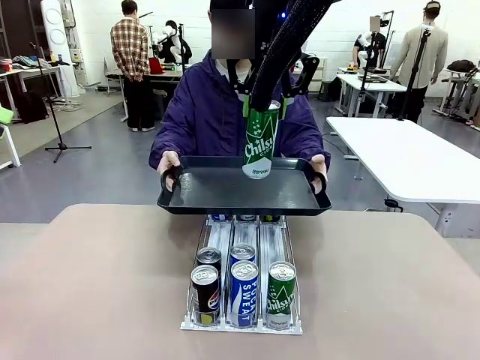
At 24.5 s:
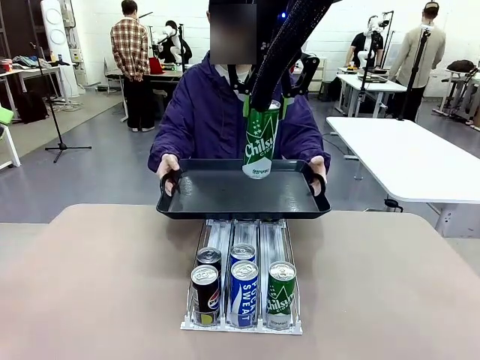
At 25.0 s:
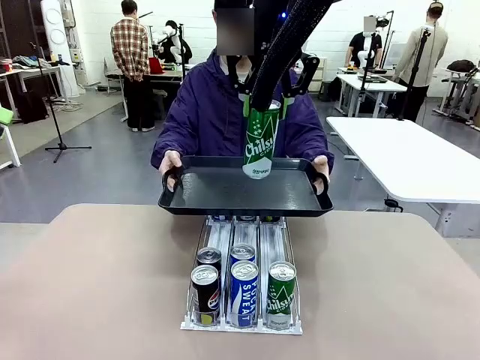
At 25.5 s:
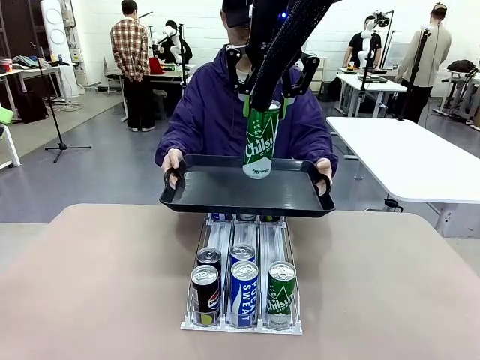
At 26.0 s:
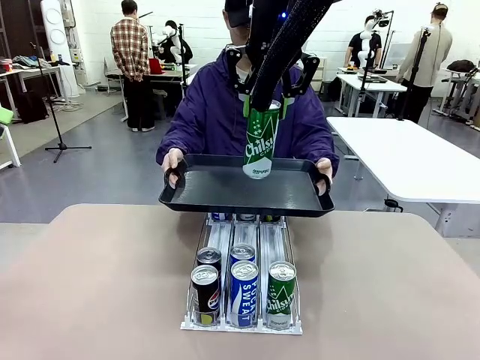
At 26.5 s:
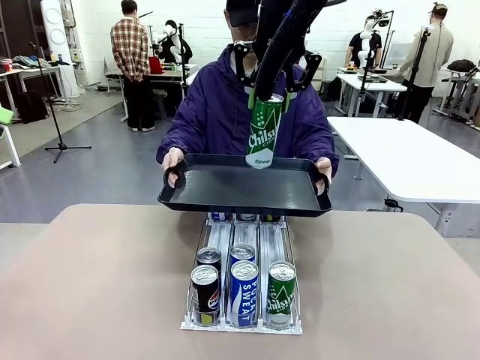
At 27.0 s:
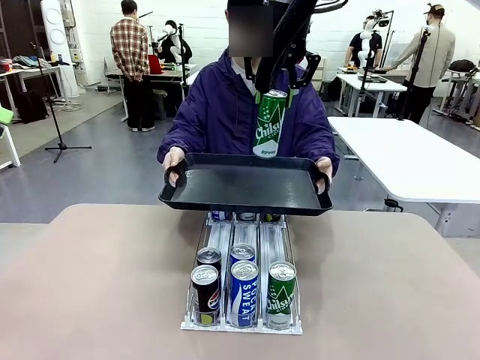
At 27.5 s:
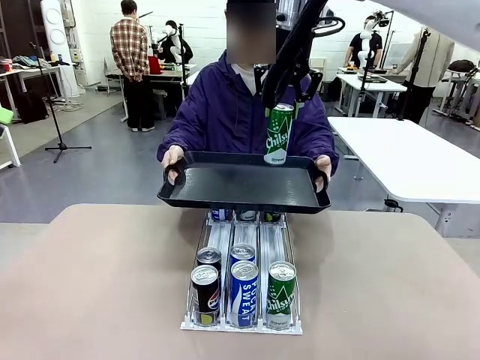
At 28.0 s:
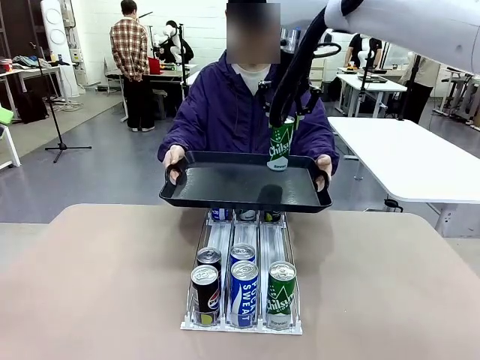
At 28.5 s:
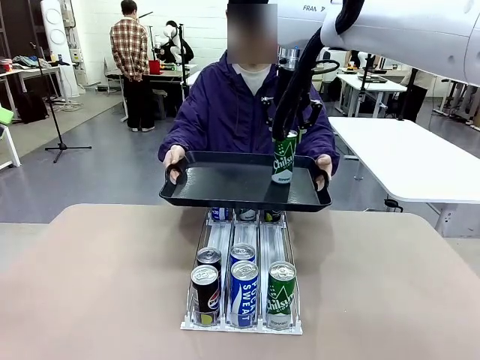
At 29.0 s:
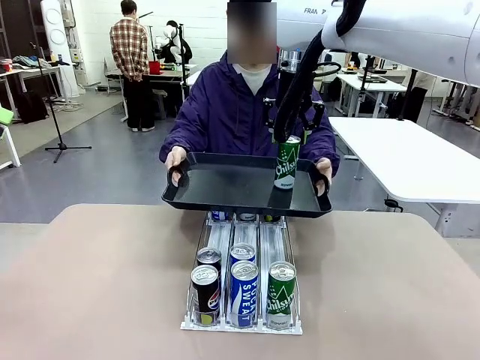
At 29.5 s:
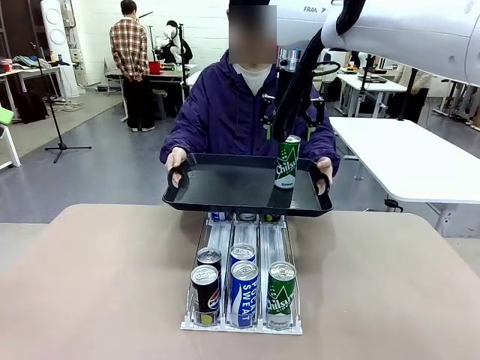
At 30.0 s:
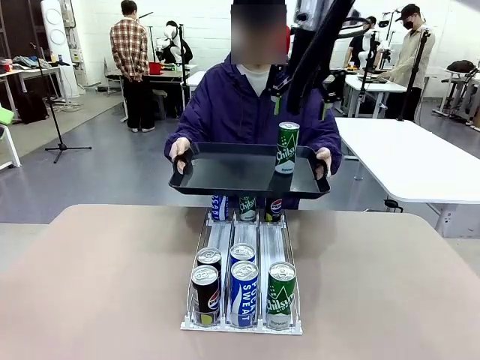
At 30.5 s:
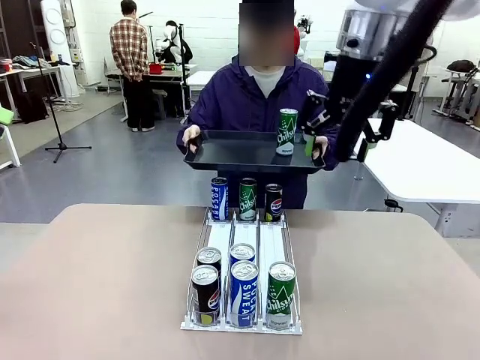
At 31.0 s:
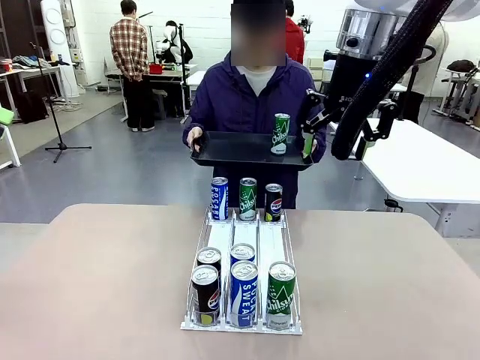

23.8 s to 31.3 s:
Task: Retrieve and hand over the desired beverage to the person.
Robot: Place the picked can on the Handle tray extended by the person.
Person: Pull the tray back, then pick up another can from the bottom area of the table and puts it back in its original place.

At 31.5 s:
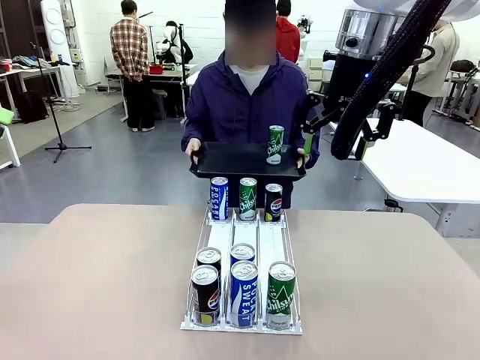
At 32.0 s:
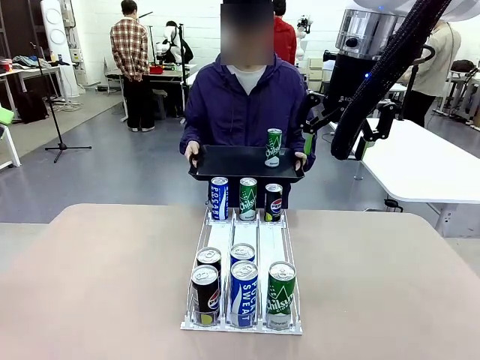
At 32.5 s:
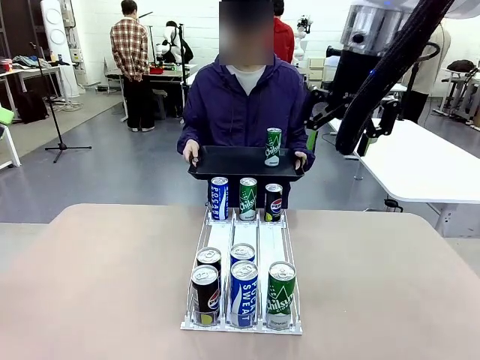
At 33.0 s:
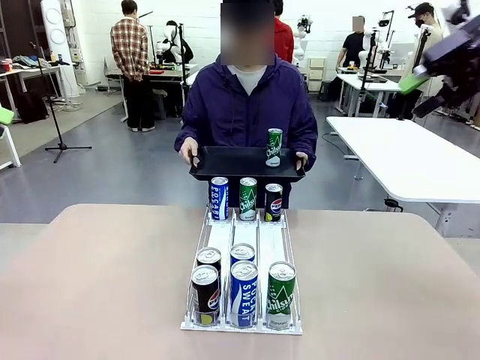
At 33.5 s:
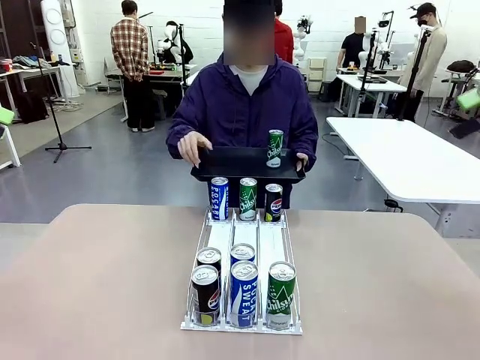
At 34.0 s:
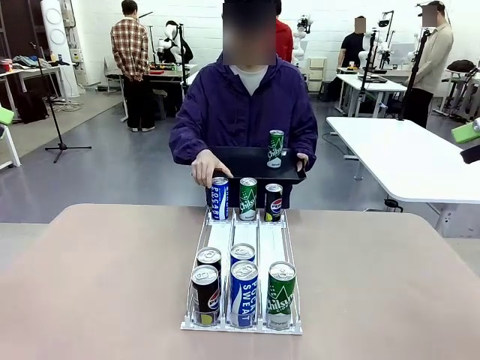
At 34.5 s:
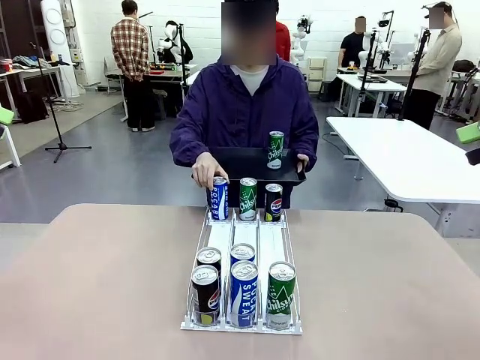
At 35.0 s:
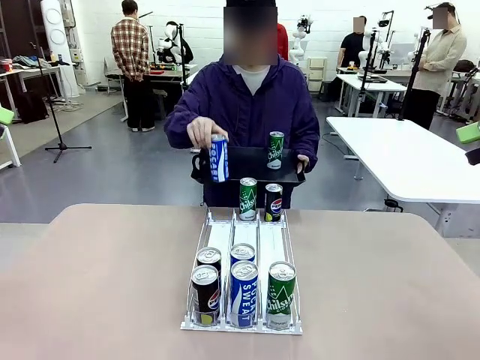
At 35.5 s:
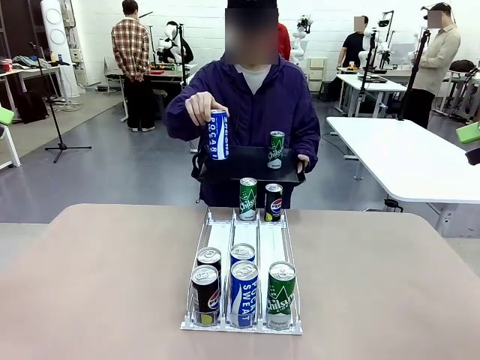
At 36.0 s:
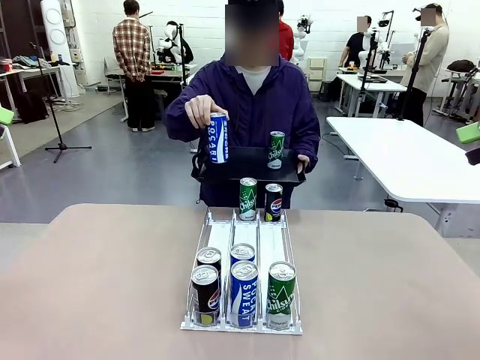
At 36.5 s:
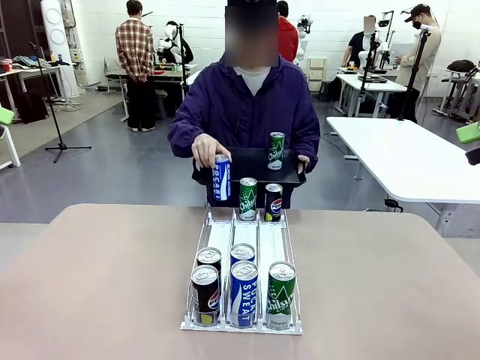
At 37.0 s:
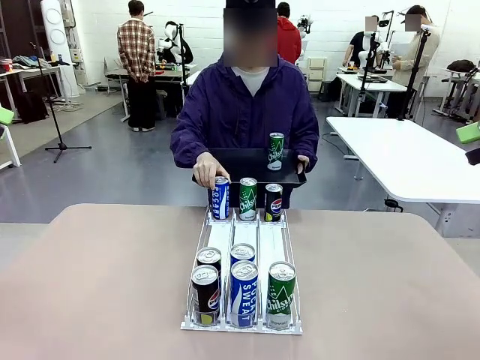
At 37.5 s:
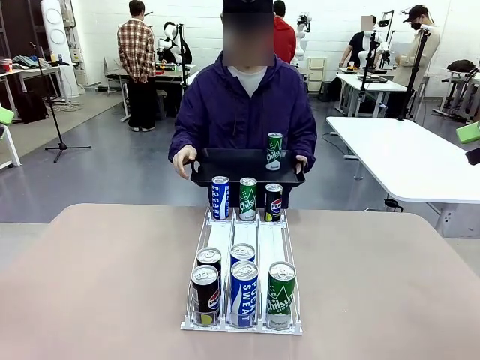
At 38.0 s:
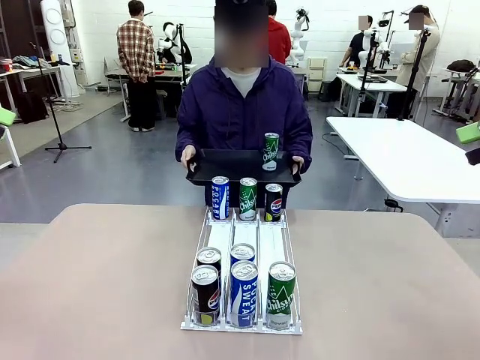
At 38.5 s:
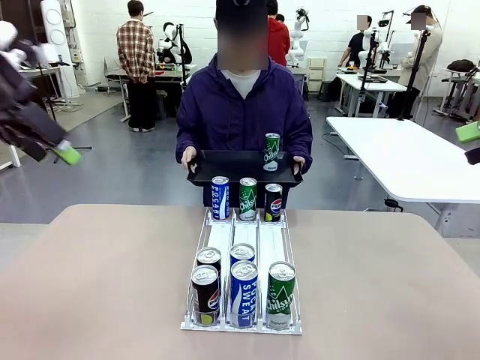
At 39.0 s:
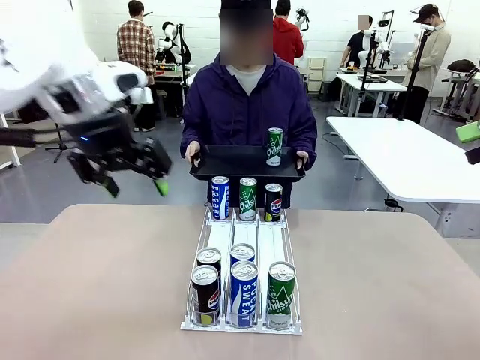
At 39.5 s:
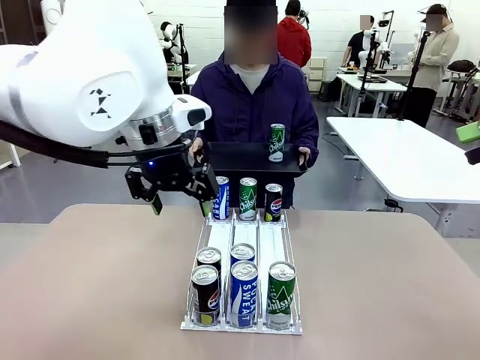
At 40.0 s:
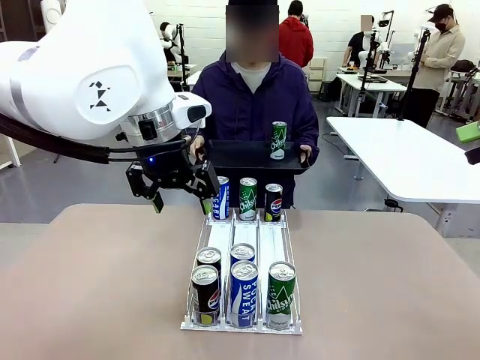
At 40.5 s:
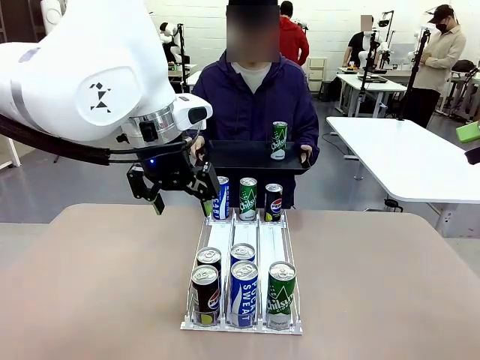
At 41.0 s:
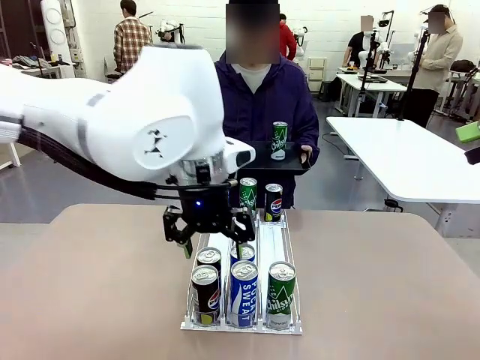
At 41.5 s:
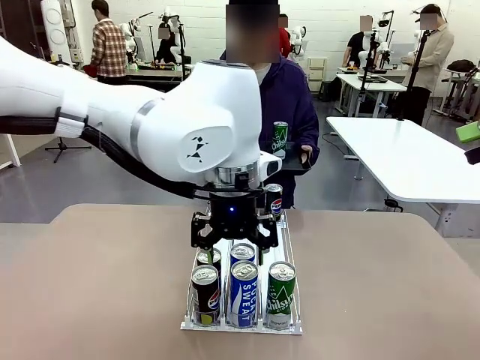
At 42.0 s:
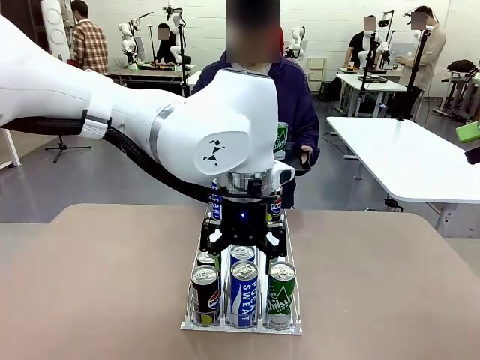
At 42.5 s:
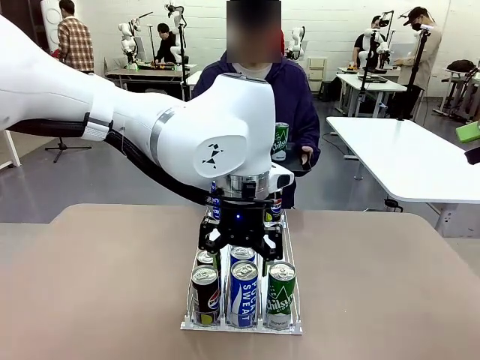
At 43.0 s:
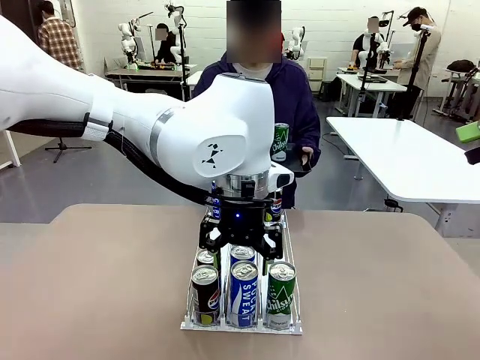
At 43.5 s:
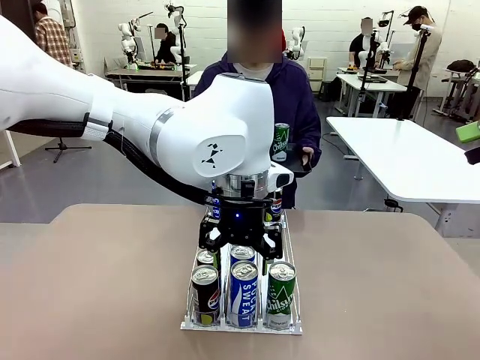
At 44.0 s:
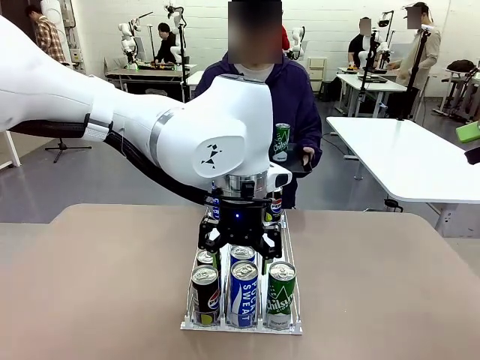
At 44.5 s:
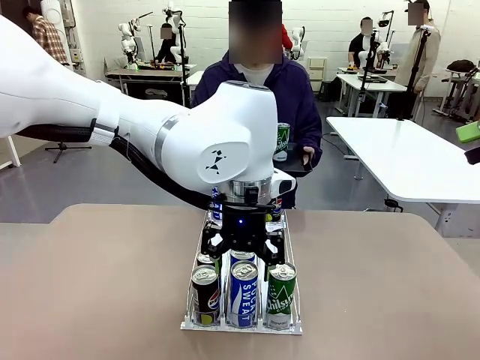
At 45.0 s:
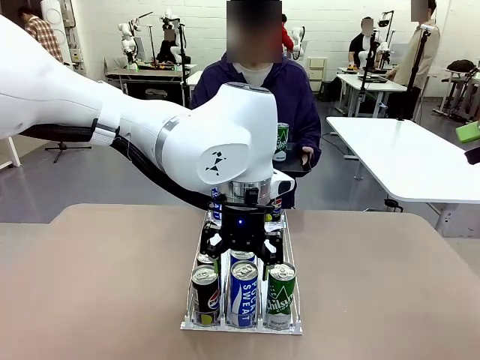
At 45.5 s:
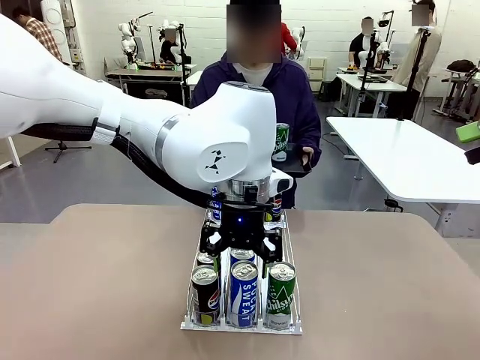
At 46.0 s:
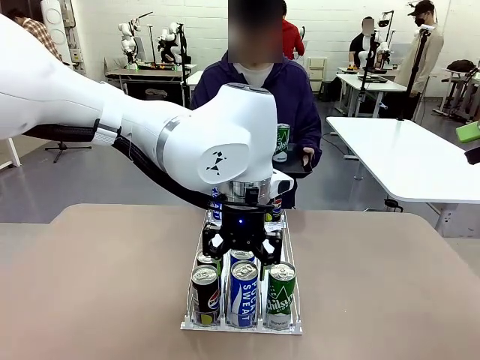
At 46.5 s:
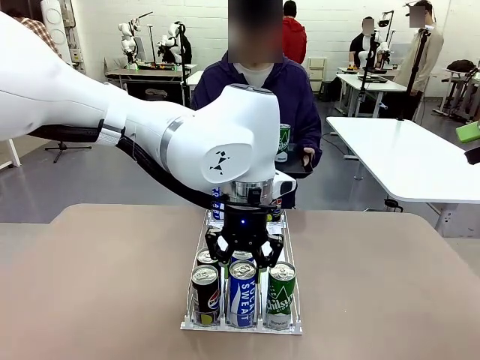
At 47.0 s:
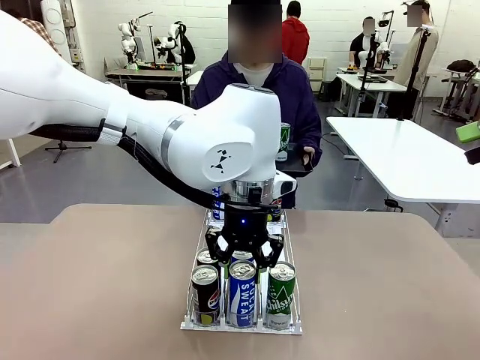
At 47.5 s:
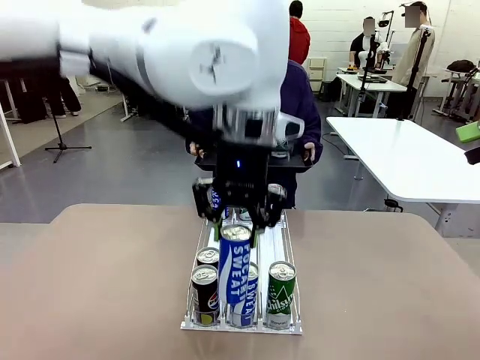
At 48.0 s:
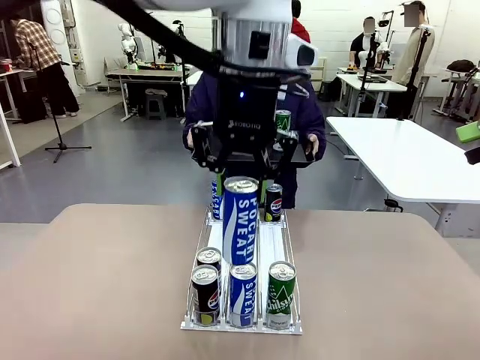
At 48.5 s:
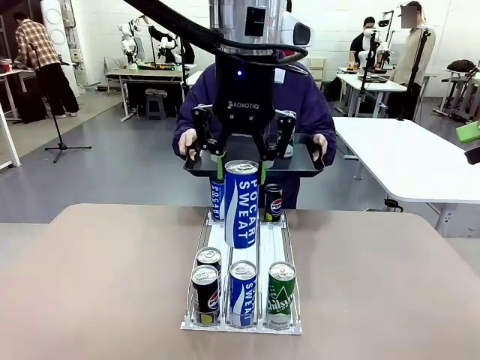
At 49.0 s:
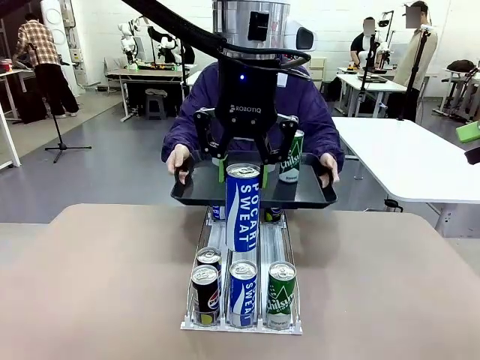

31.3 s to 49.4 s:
Robot: Pick up another can of the same type that the person held from the Automatic Can Dispenser.
Person: Push the tray toward the robot again.
